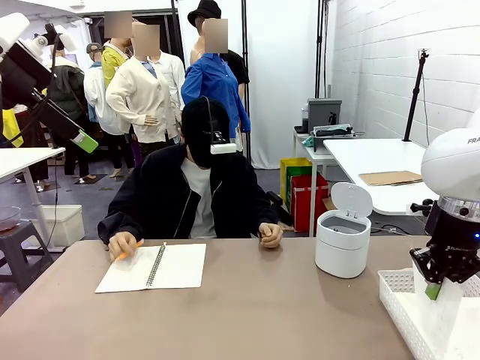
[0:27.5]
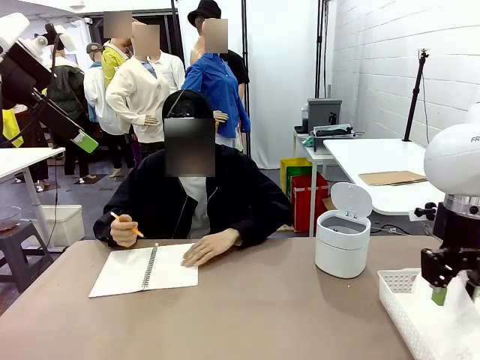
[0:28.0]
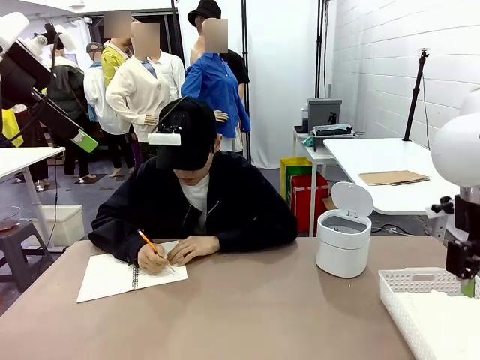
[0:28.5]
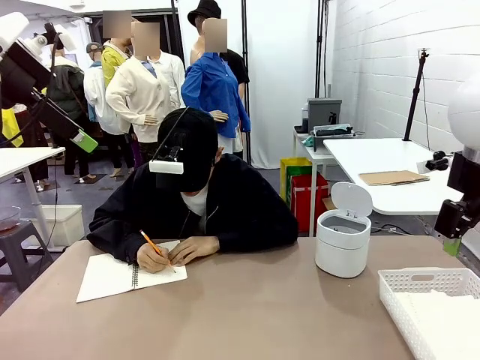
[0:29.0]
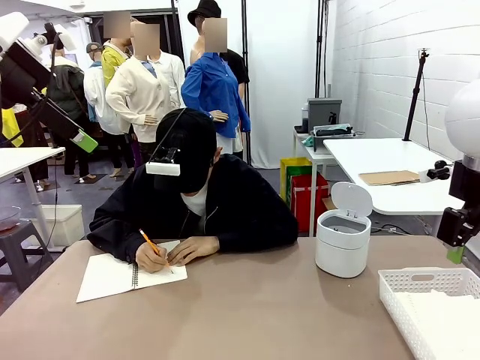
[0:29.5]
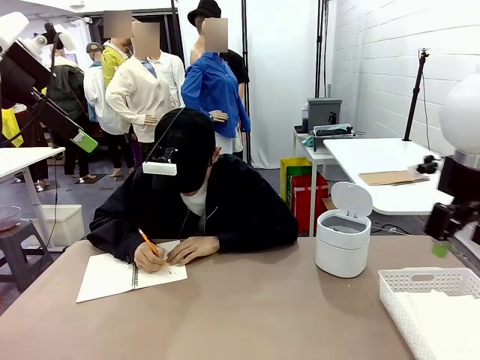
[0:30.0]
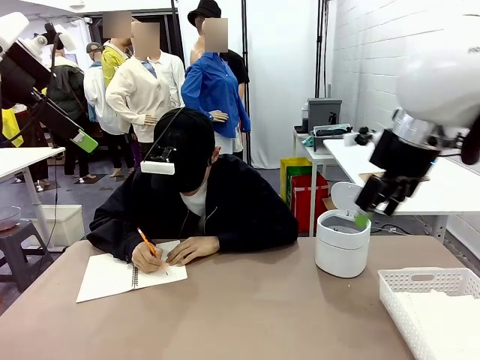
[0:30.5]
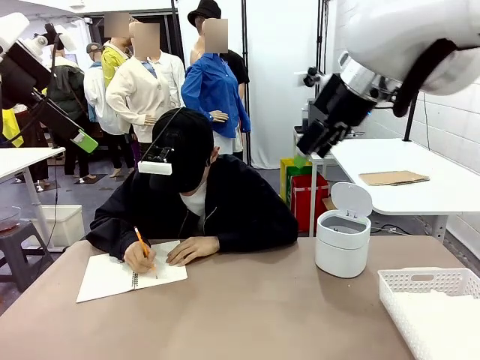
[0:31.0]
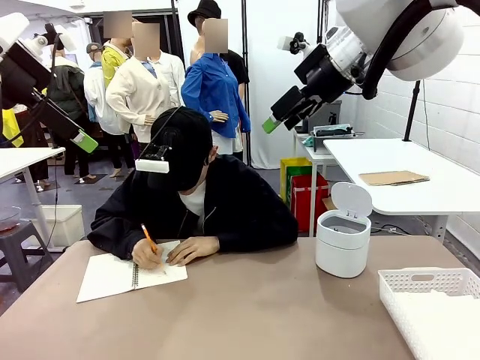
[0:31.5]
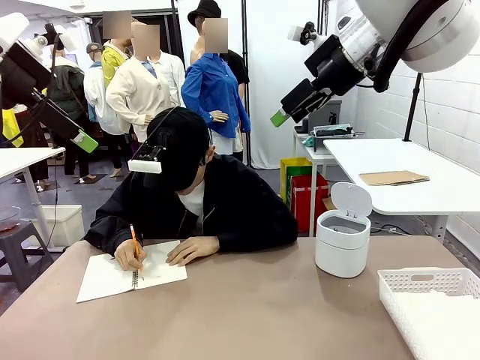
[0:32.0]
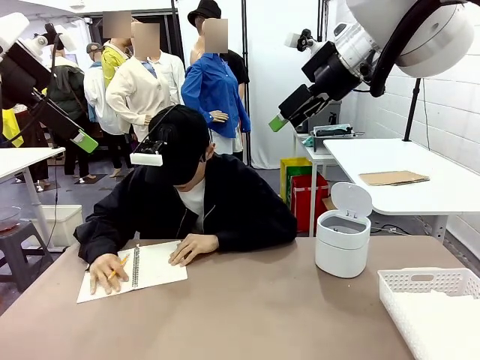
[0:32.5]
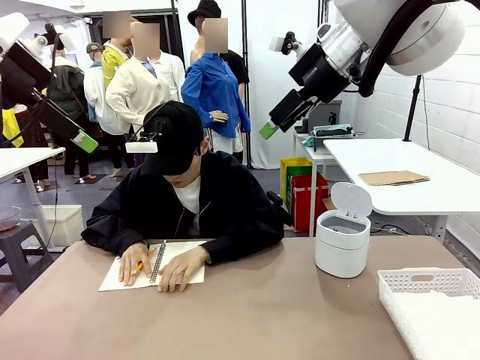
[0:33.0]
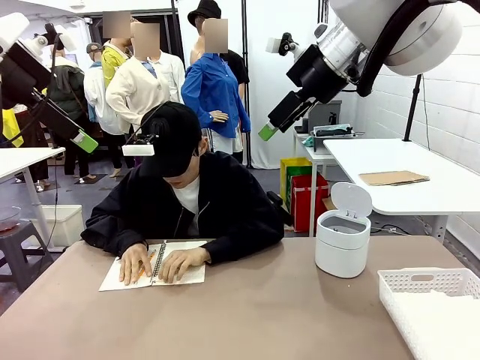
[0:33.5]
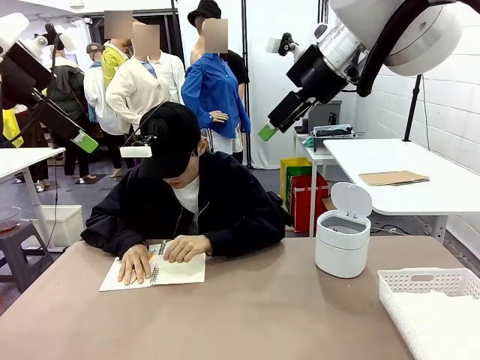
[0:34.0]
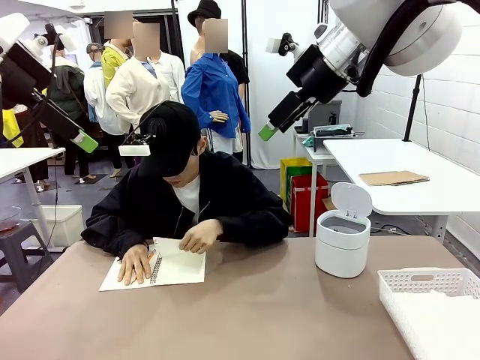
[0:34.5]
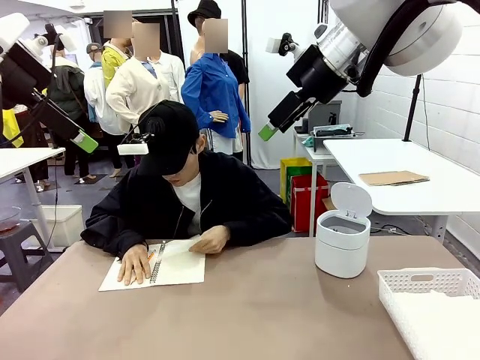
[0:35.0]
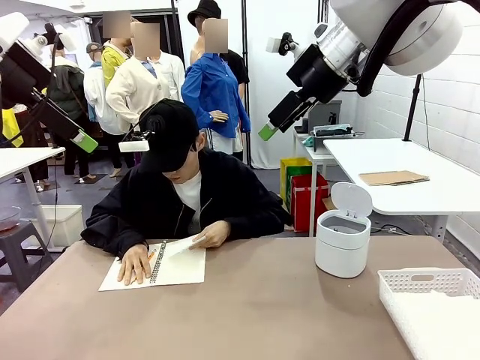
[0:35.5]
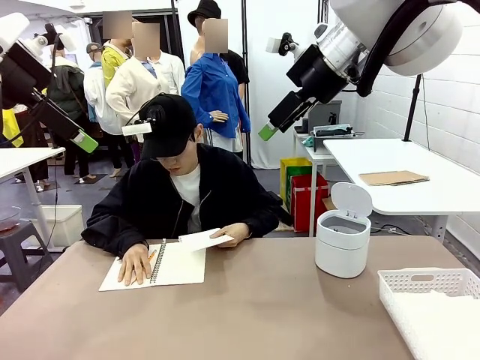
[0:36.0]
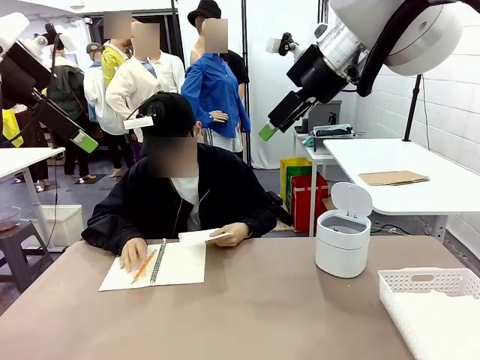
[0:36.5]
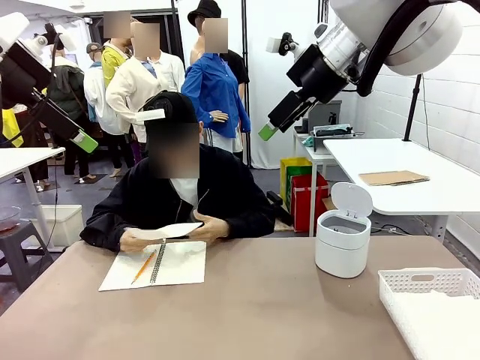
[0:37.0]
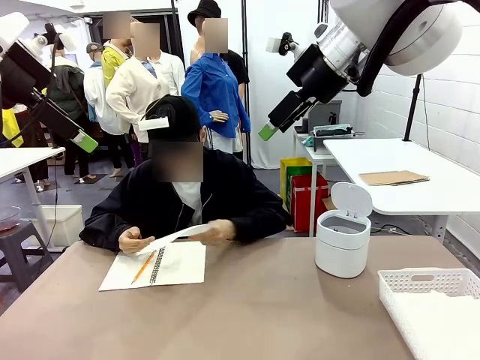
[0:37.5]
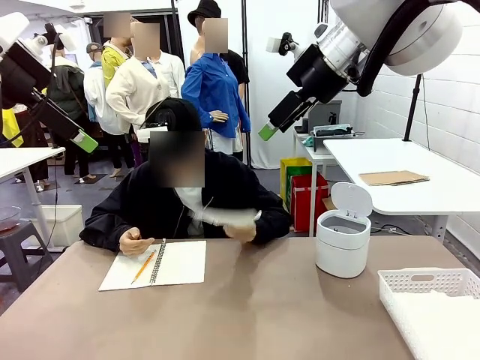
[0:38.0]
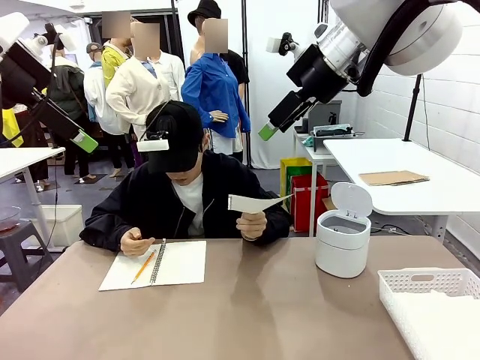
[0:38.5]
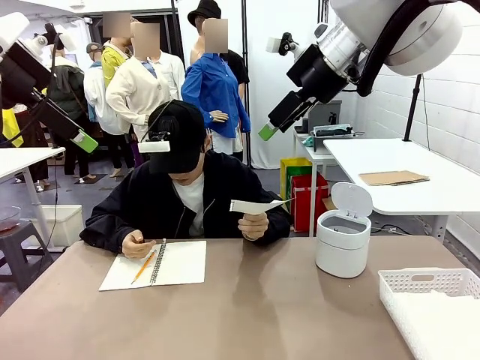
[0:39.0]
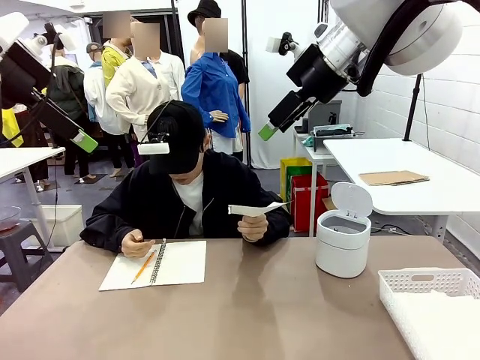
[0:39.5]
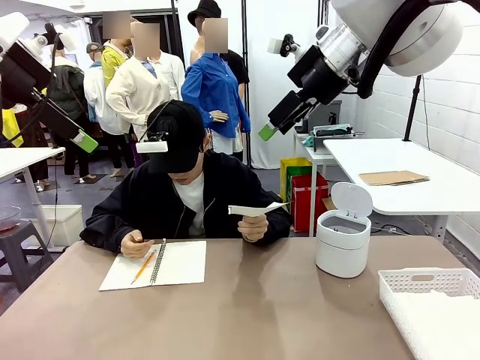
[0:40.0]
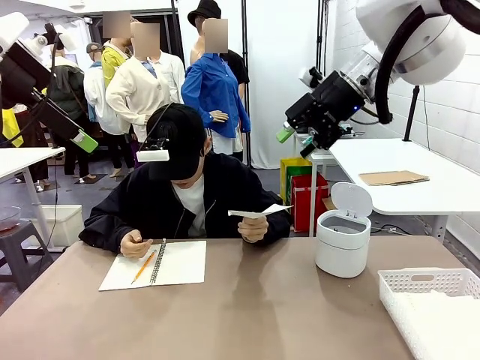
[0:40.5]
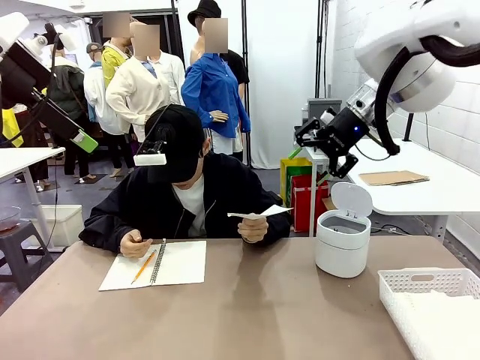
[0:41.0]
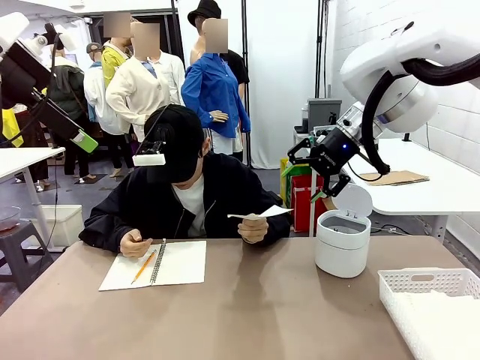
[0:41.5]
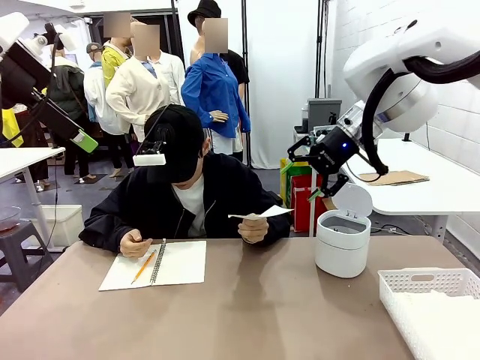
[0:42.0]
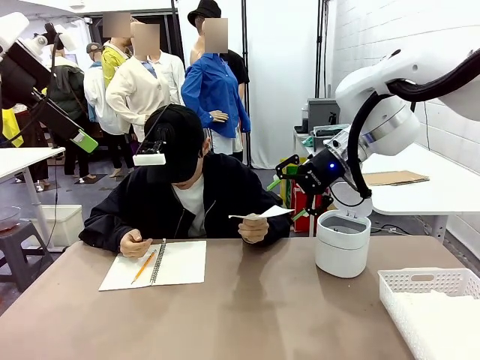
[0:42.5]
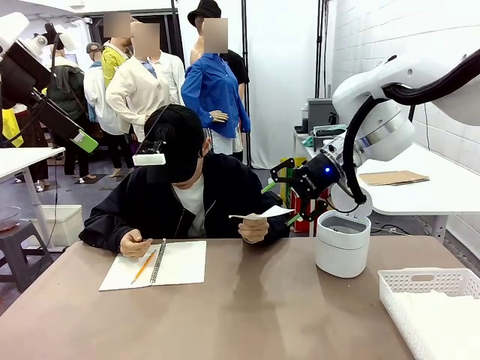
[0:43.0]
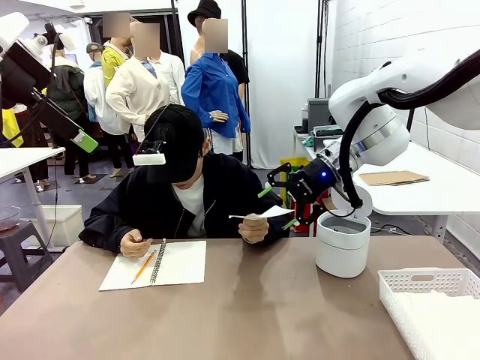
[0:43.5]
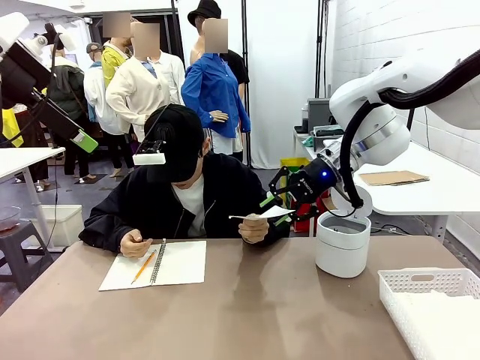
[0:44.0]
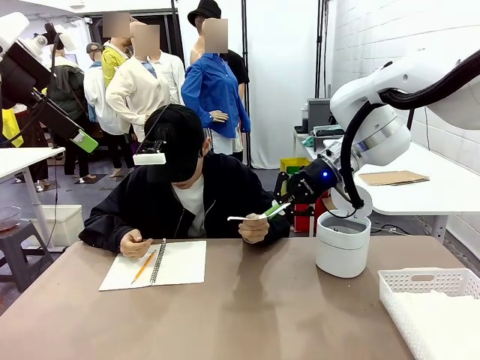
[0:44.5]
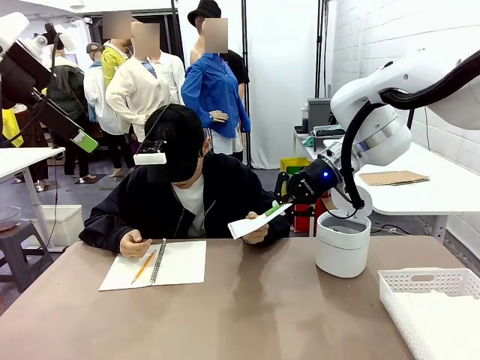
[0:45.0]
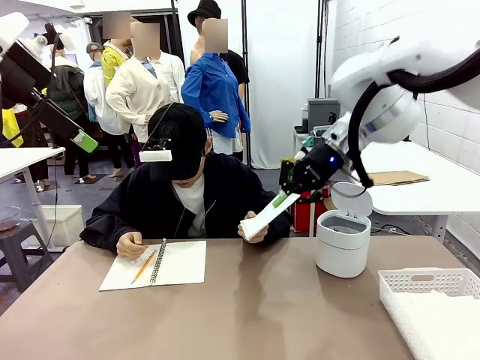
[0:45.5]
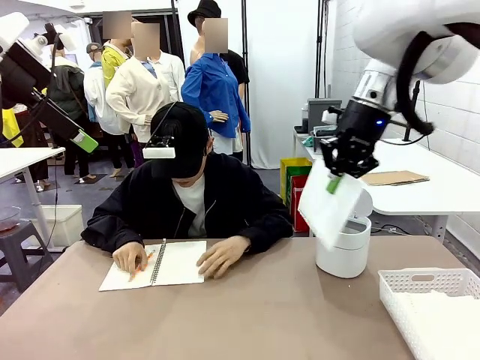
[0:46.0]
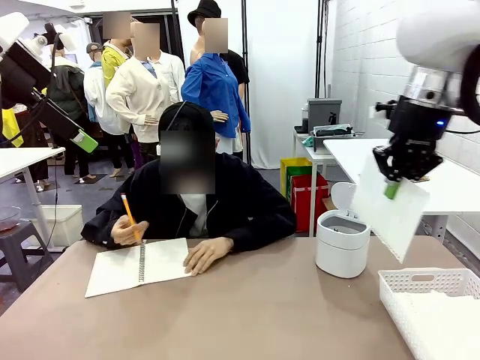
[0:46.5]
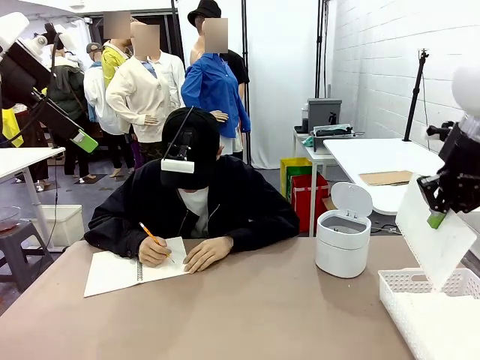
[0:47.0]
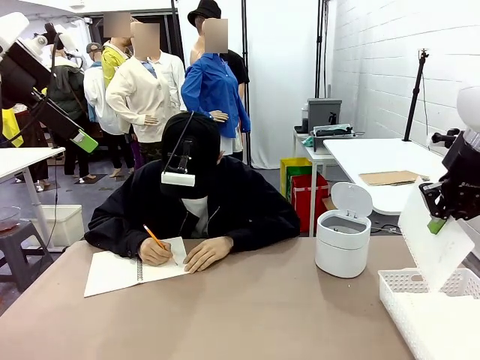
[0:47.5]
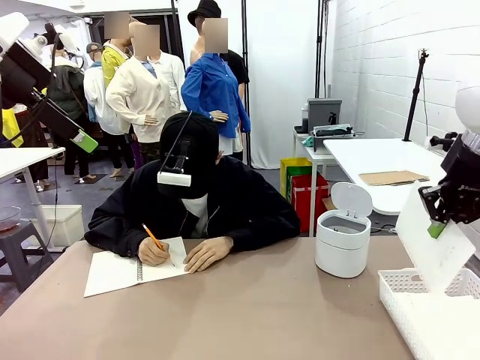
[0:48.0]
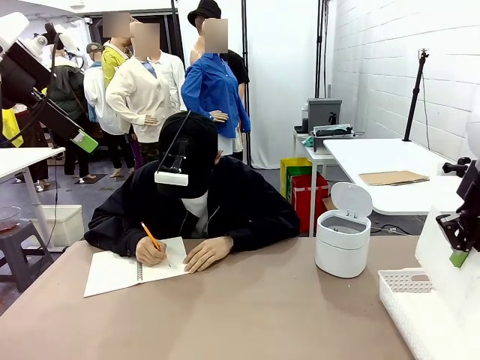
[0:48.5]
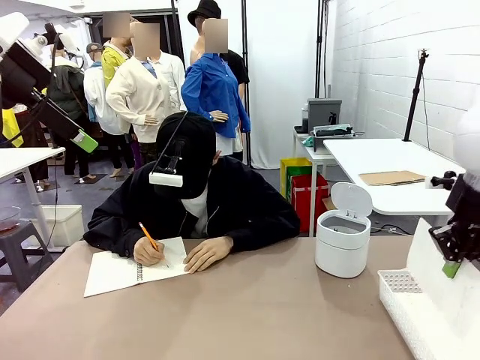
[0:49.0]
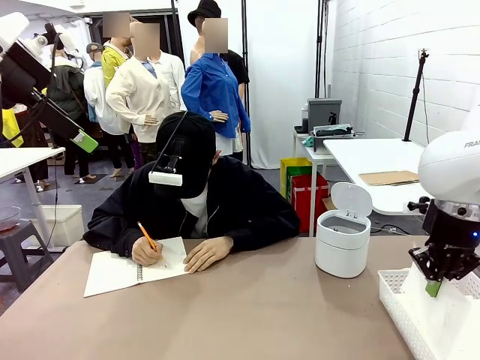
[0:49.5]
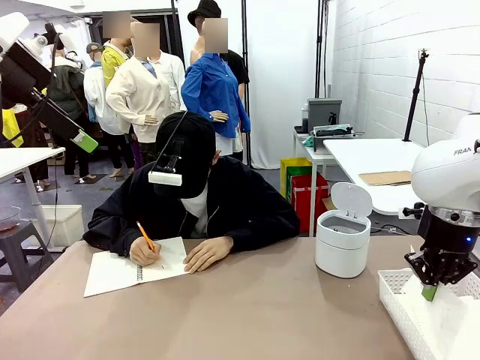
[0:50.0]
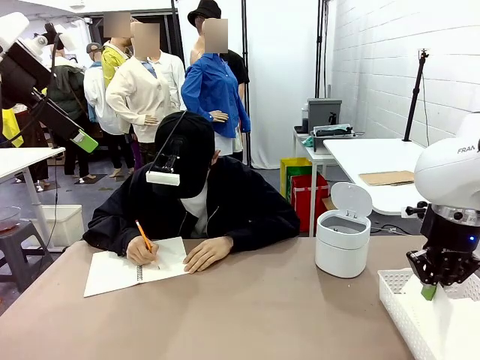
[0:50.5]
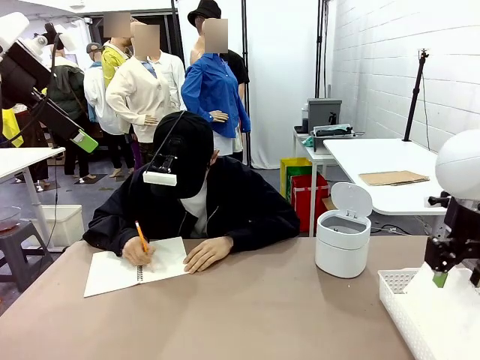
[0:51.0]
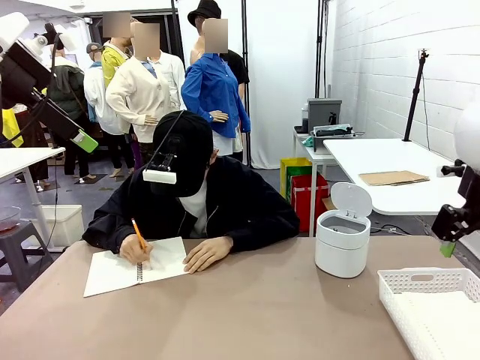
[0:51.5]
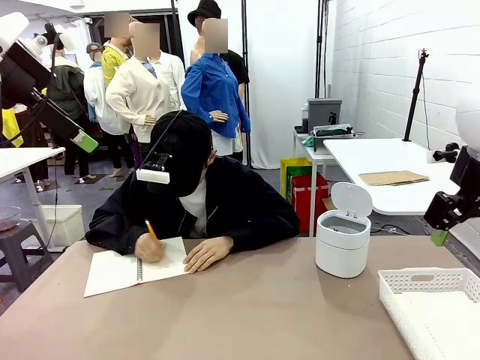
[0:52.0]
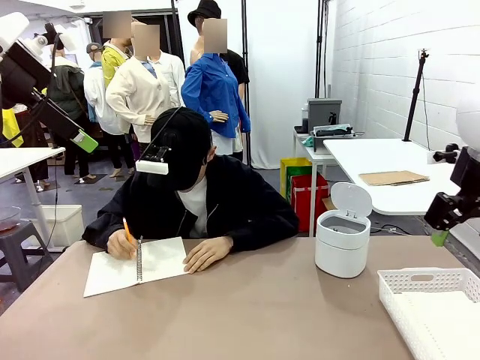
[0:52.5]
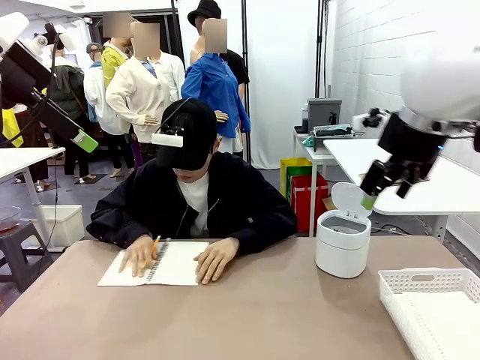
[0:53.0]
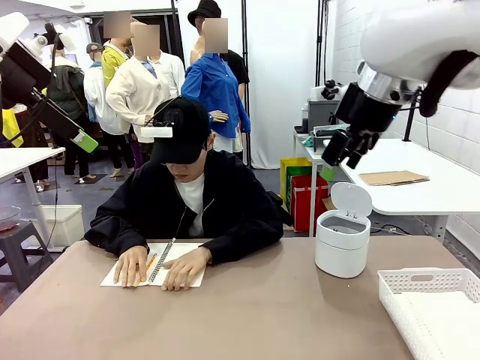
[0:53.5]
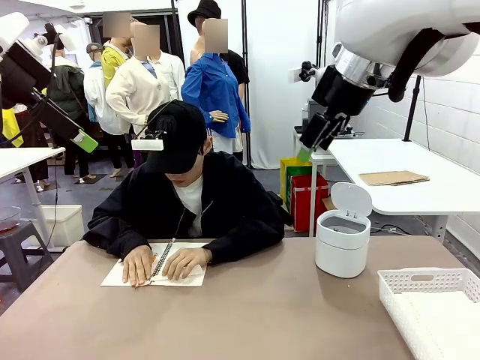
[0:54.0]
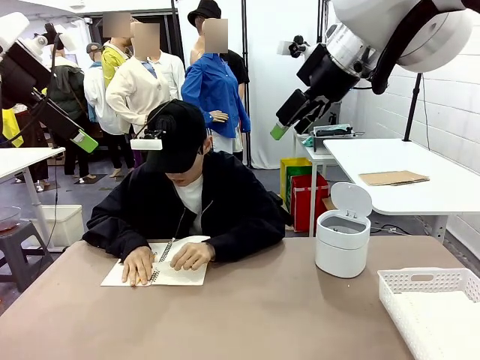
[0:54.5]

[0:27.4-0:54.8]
Task: Sort the paper based on its condition.
Robot: If a person hands you a paper, place it in the Organizing basket , and if it's crumpled, put it in the Trash can.
Person: Hand the torn page to the robot or crumple it and throw it to the center of the table. Tear out a page from the spiral notebook.
